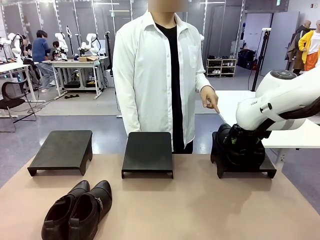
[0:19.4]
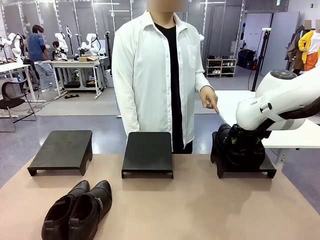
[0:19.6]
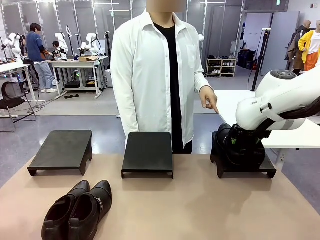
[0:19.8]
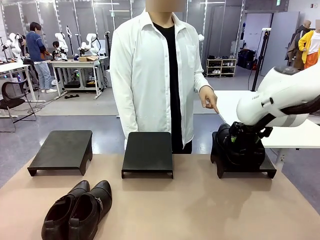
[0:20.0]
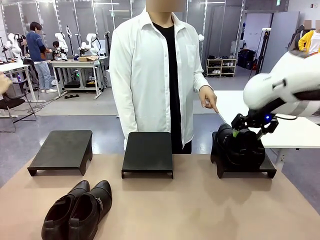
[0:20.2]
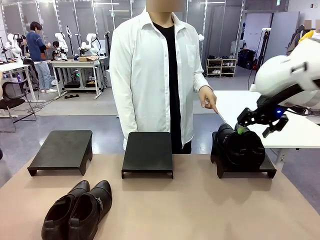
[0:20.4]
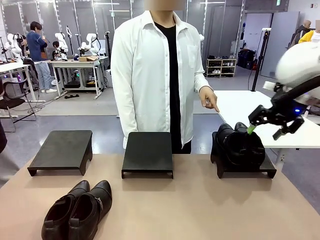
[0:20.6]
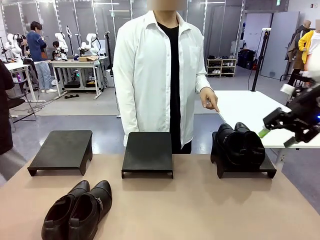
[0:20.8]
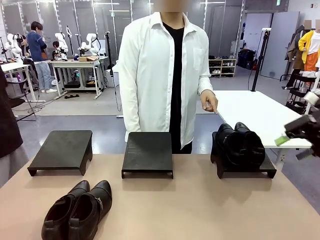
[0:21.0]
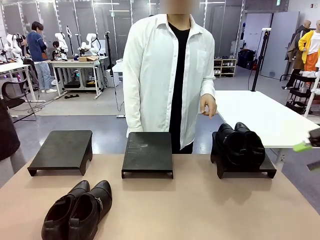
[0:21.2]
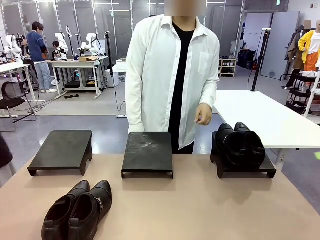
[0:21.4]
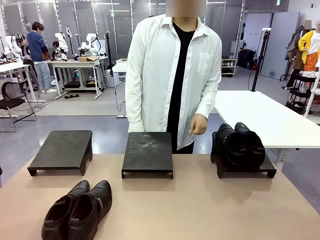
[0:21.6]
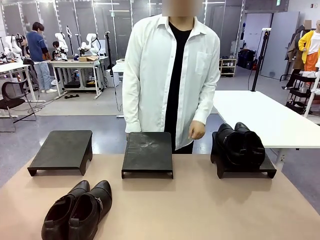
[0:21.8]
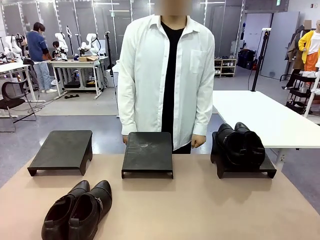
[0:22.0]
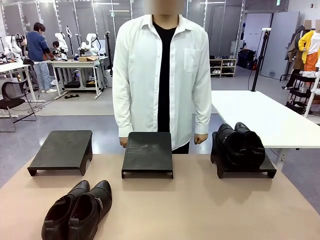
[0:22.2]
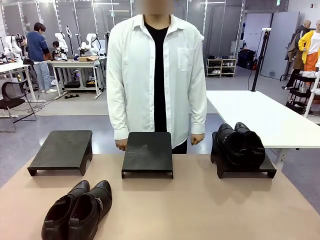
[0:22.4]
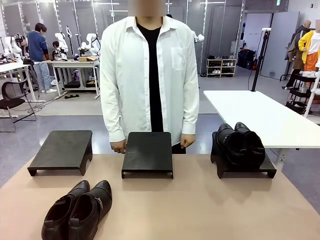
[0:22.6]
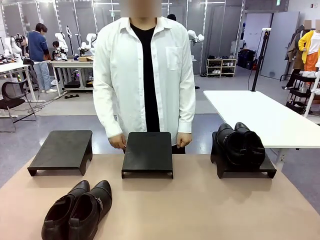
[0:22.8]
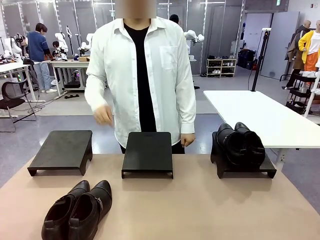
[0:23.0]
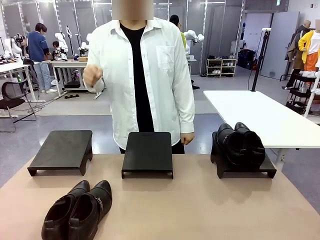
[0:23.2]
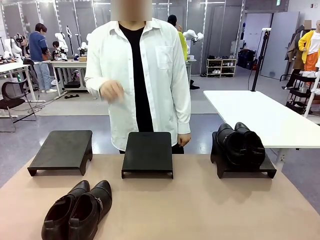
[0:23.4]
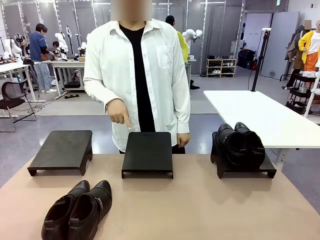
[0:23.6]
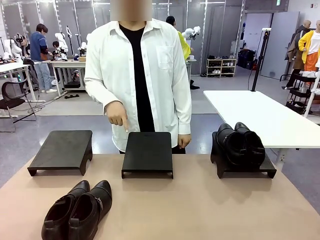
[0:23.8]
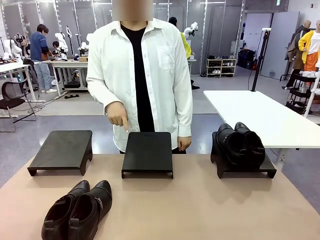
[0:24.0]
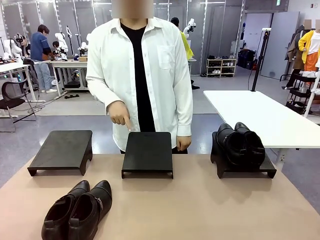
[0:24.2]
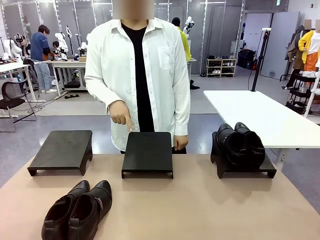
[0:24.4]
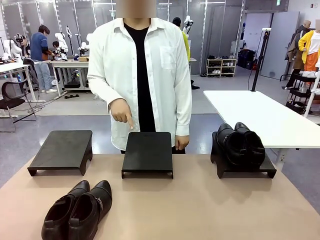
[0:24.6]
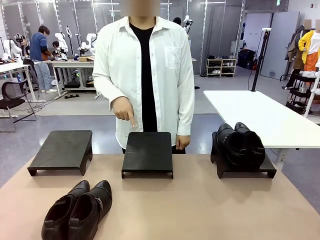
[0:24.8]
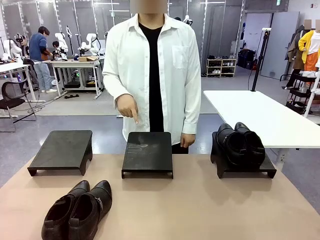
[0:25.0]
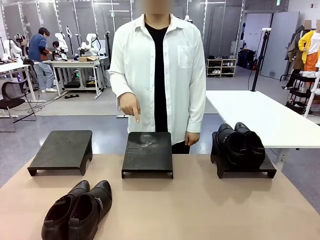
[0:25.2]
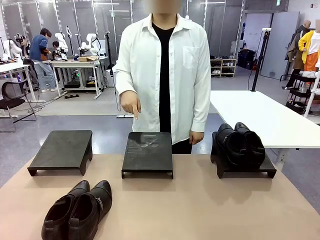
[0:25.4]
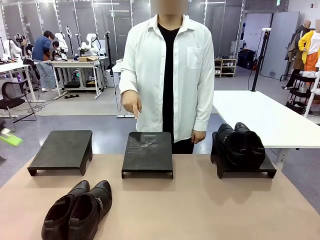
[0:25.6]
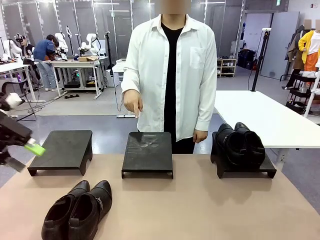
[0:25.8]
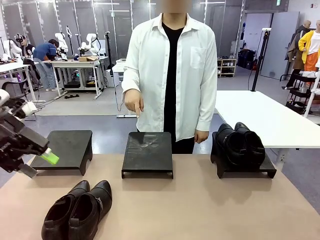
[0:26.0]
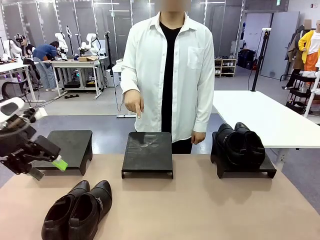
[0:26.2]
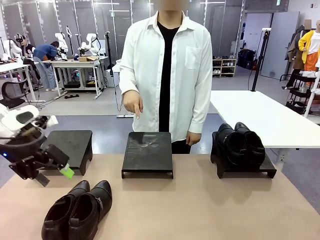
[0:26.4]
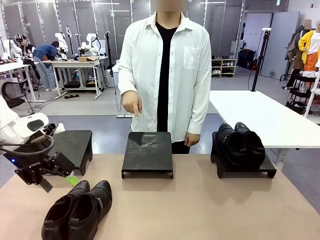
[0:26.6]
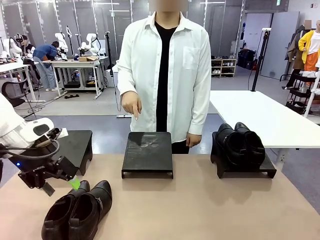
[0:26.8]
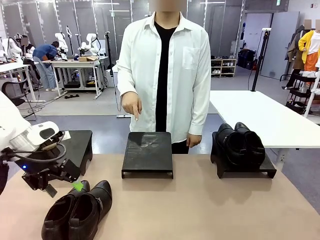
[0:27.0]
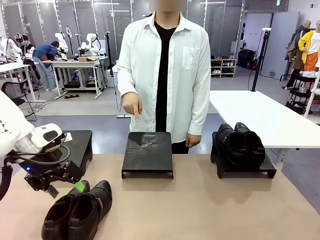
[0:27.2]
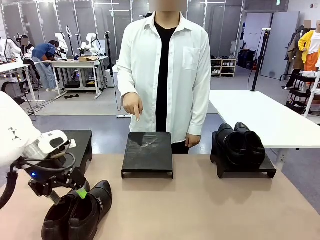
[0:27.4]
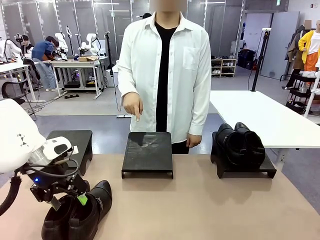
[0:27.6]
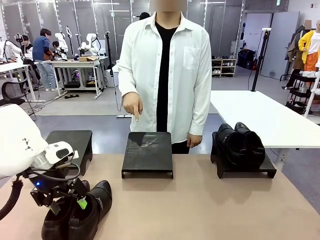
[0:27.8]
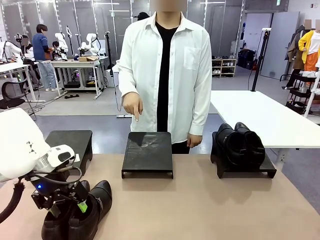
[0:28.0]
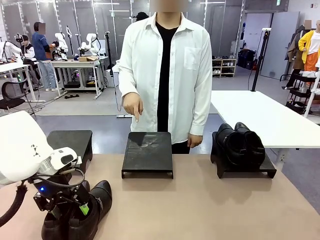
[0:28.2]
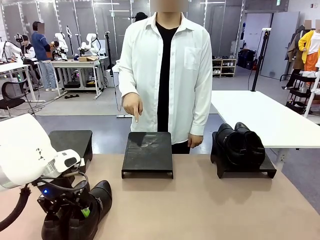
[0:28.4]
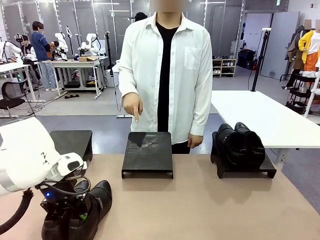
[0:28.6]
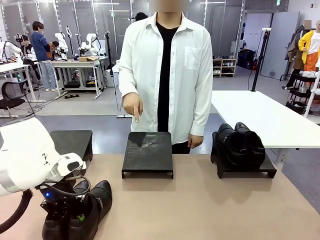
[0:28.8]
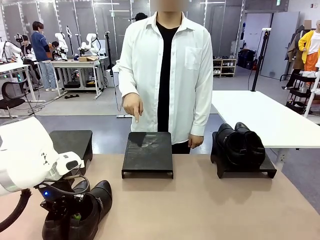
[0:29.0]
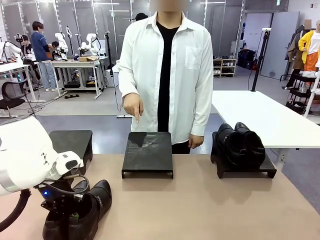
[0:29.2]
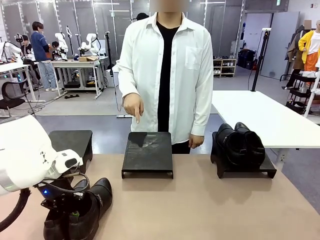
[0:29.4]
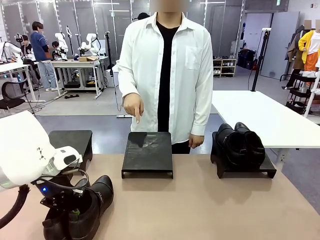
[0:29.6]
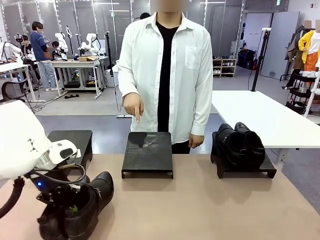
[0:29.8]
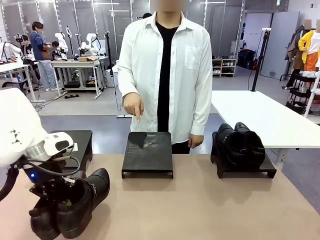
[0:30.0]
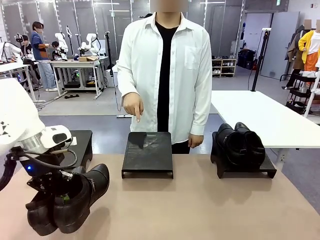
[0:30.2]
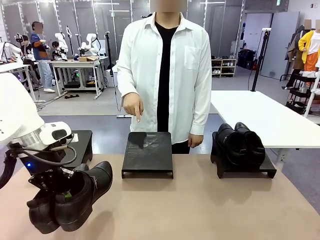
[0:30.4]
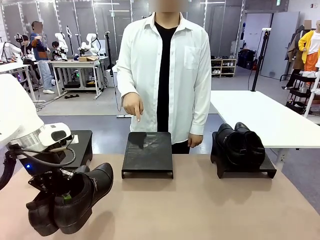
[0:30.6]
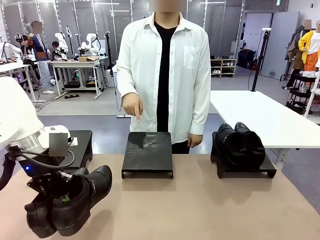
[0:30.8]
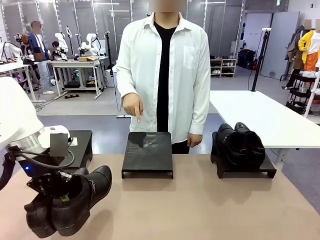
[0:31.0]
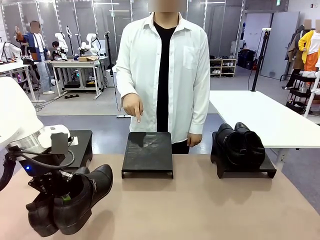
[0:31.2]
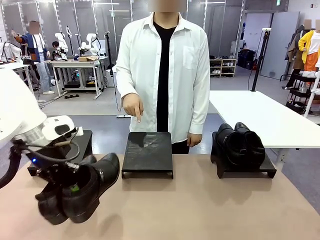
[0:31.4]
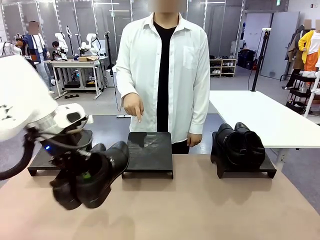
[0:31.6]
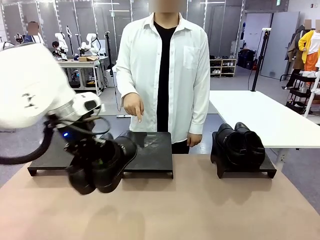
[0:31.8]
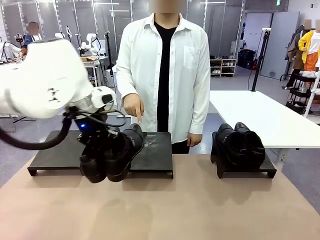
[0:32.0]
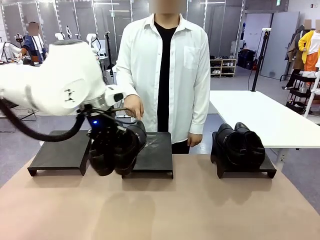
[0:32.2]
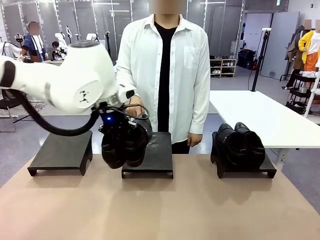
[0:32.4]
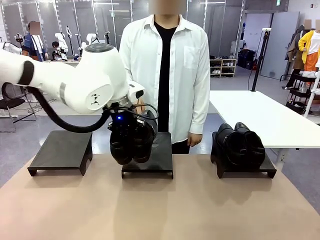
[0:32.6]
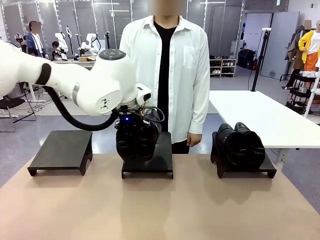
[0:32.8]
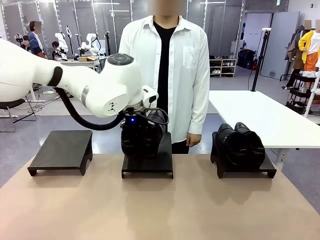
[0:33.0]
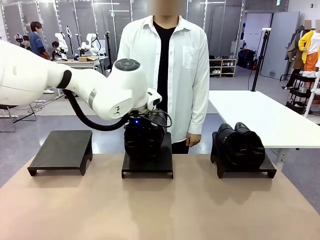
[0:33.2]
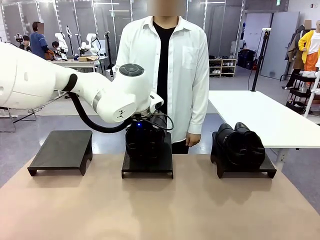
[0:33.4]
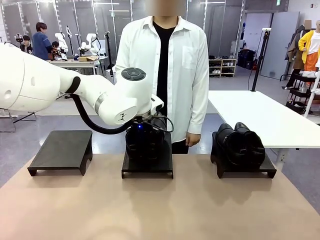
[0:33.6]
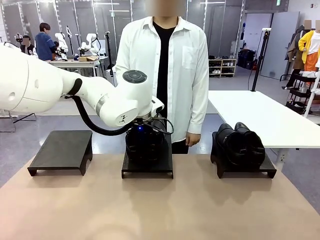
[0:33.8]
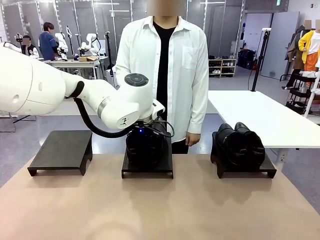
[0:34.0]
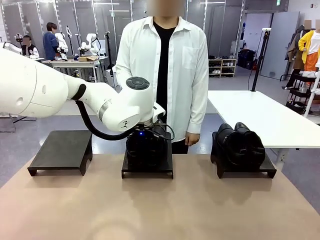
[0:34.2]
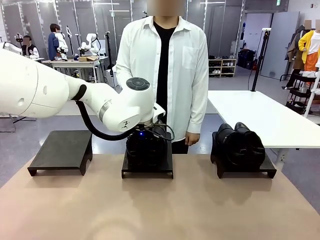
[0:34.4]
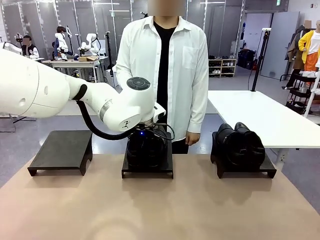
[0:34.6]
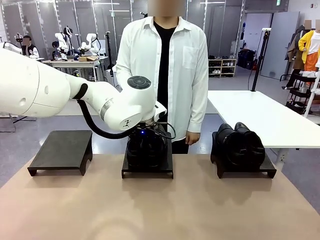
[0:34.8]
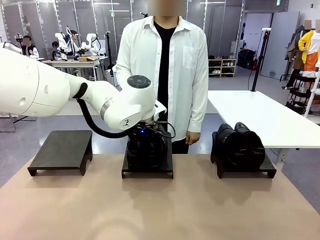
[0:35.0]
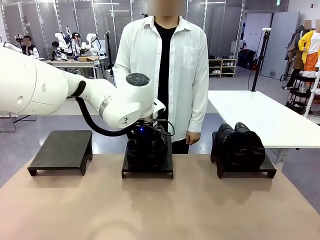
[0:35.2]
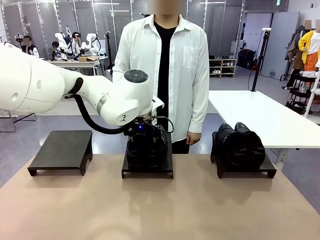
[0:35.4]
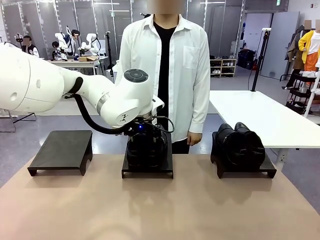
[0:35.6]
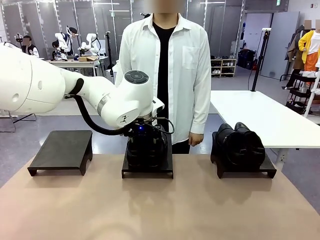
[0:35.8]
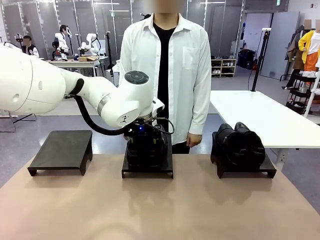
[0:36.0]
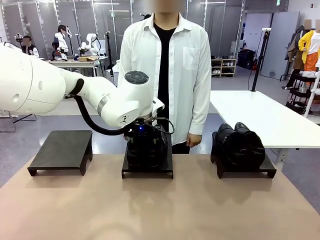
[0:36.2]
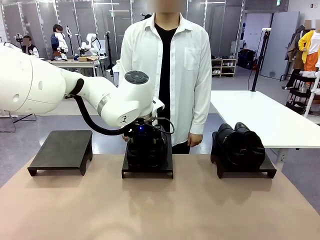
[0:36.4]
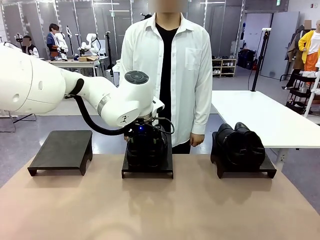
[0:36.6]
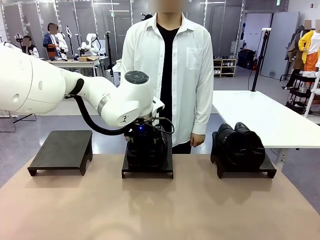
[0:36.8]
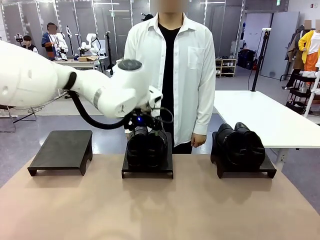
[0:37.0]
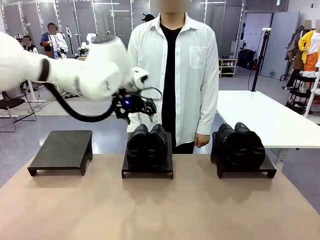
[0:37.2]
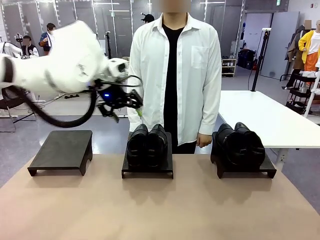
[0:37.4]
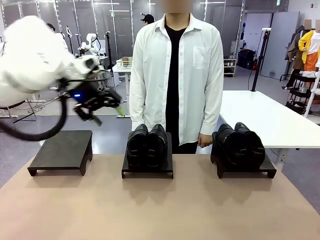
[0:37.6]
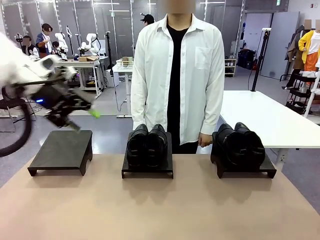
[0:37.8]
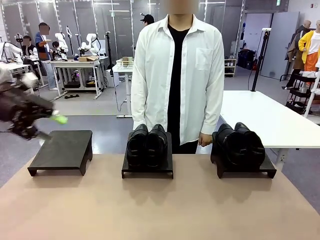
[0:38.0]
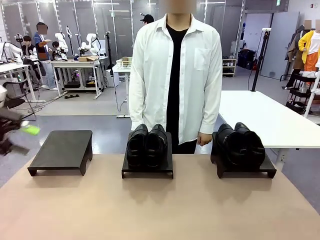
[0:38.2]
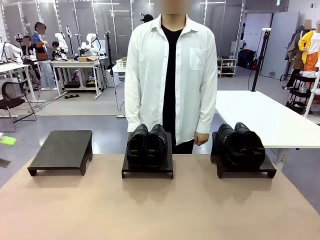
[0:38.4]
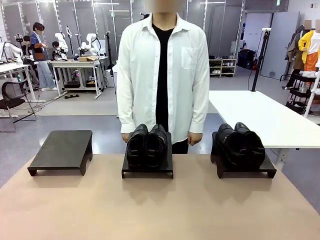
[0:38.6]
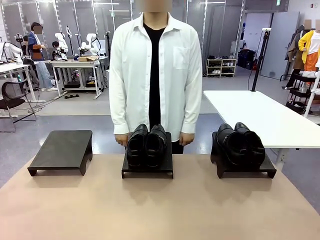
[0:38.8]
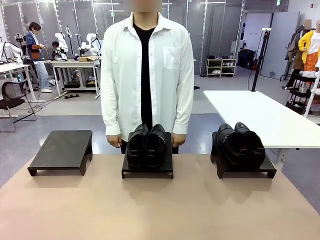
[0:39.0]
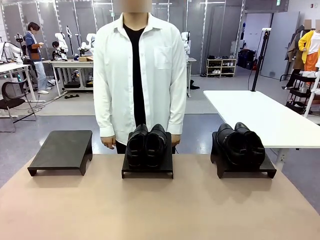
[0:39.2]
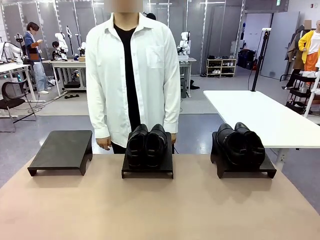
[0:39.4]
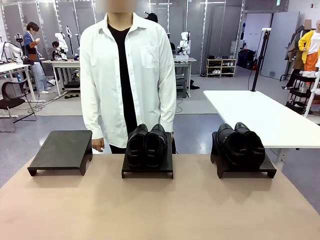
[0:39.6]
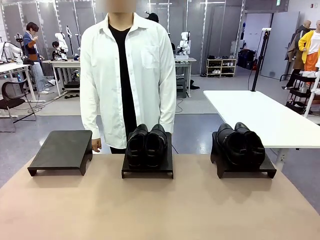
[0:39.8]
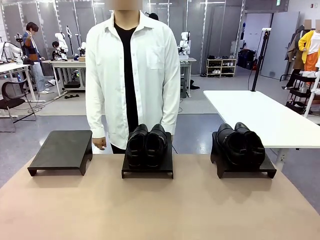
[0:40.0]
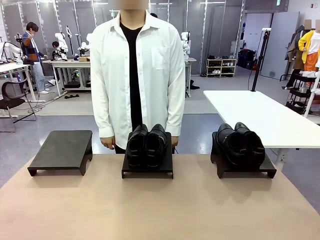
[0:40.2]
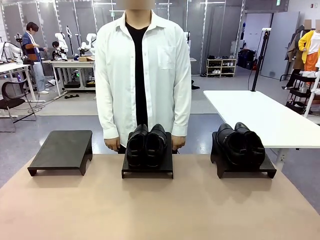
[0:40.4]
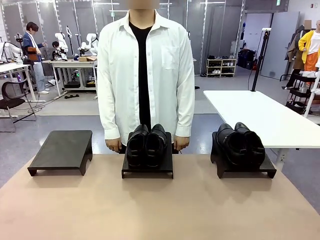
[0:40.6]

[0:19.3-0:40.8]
Task: Place the shoes on the stand as instructed by the person.
Robot: Pick up another pair of Shoes and place it on the Shoes Stand indicated by the person.
Person: Point to one Shoes Stand.
